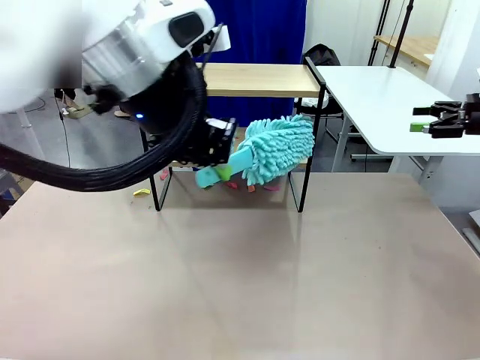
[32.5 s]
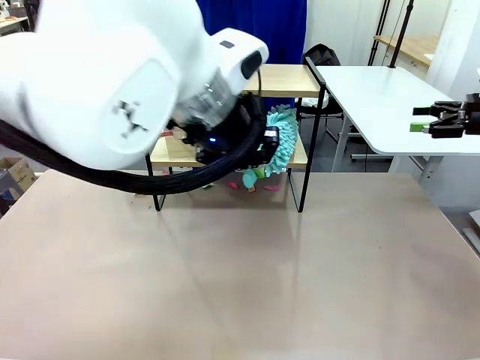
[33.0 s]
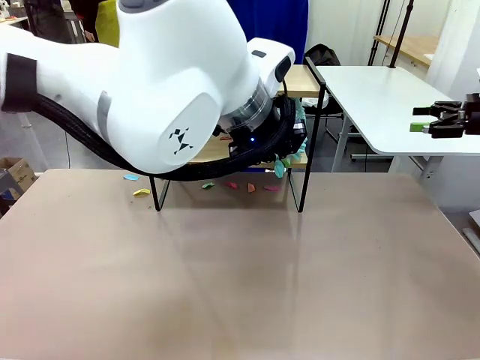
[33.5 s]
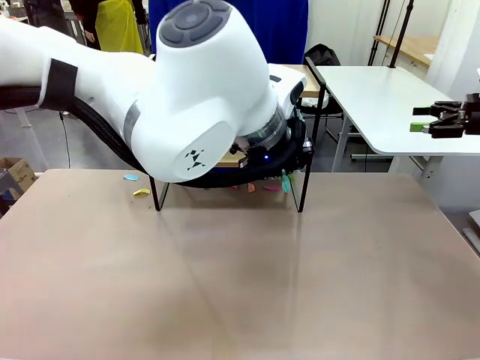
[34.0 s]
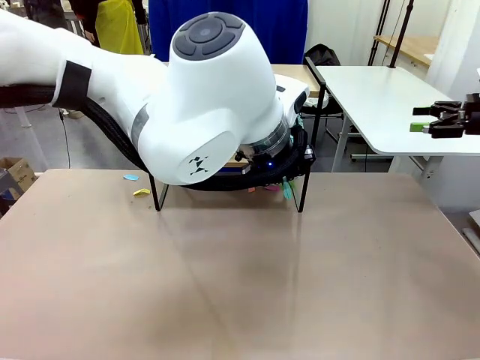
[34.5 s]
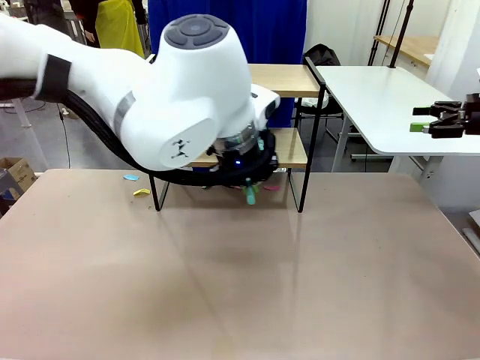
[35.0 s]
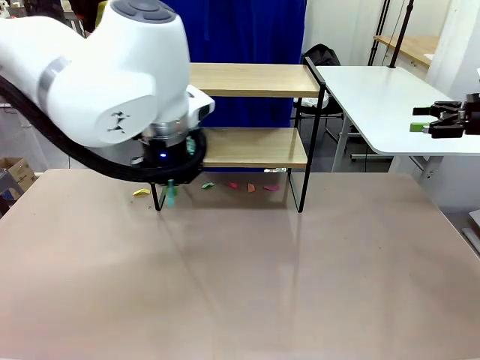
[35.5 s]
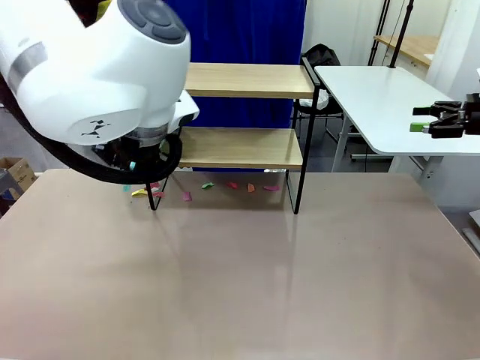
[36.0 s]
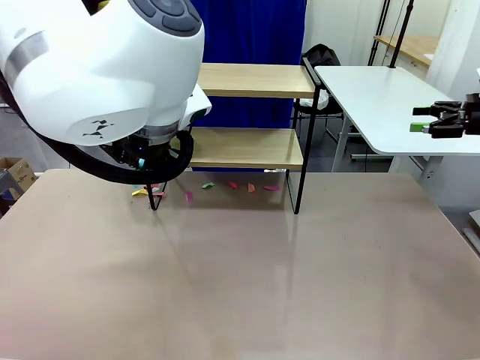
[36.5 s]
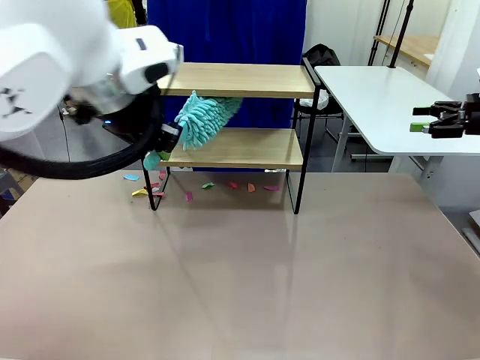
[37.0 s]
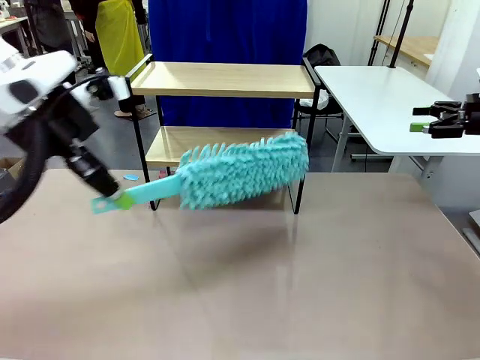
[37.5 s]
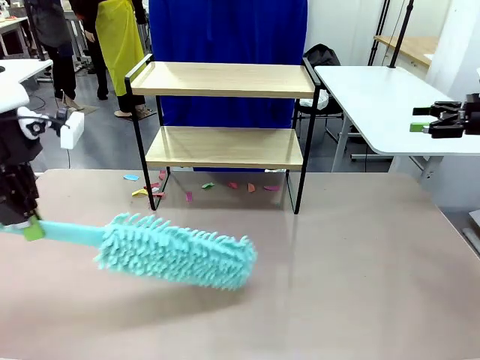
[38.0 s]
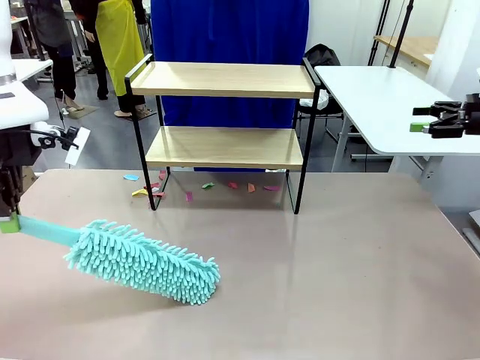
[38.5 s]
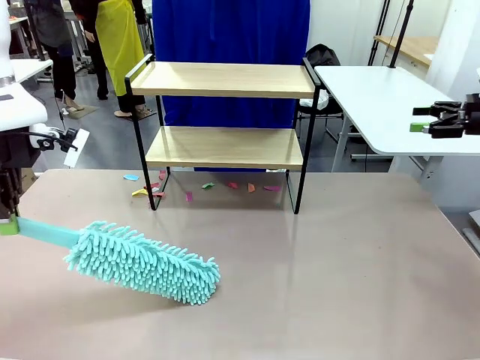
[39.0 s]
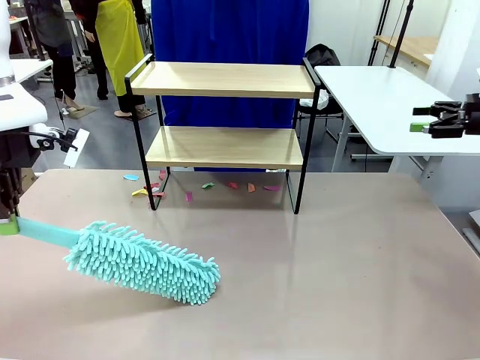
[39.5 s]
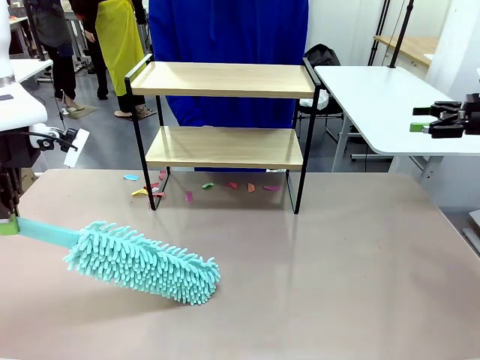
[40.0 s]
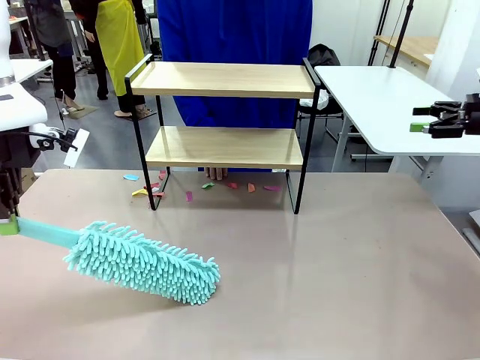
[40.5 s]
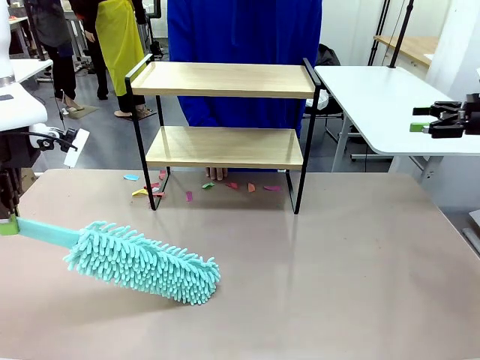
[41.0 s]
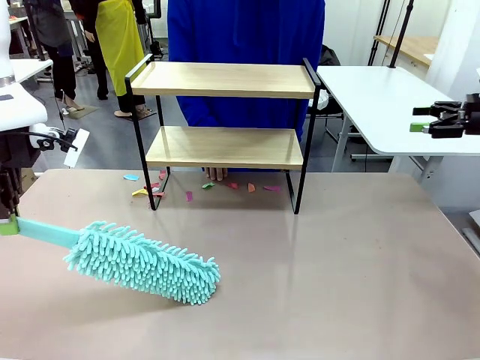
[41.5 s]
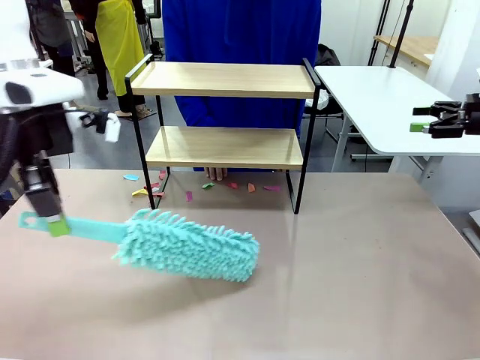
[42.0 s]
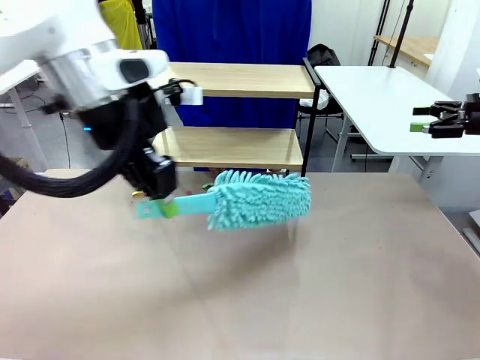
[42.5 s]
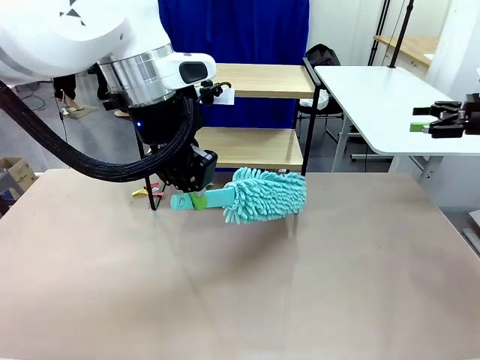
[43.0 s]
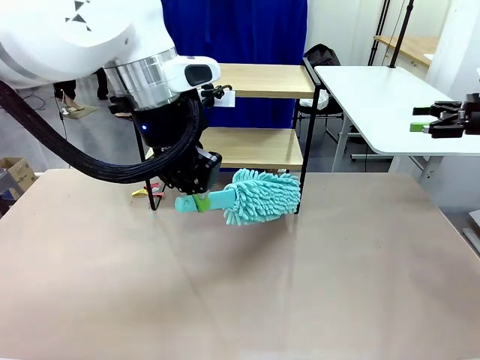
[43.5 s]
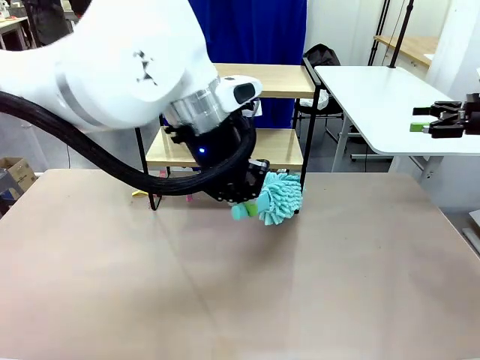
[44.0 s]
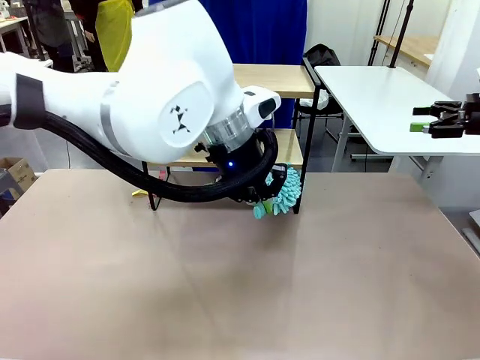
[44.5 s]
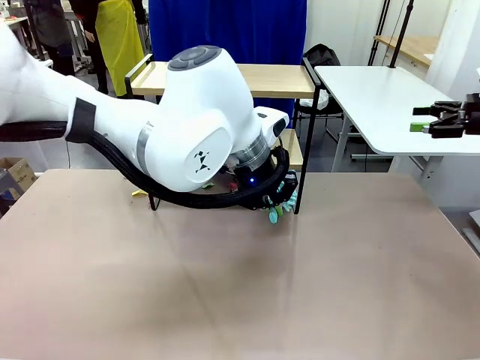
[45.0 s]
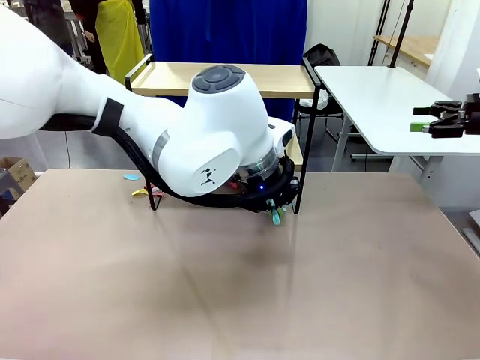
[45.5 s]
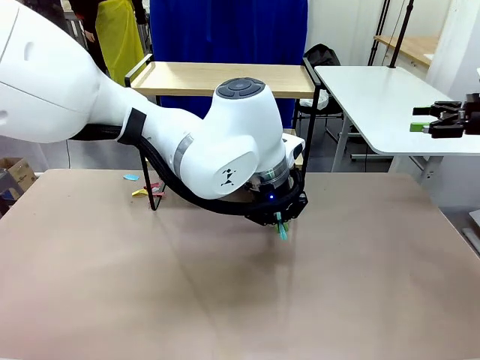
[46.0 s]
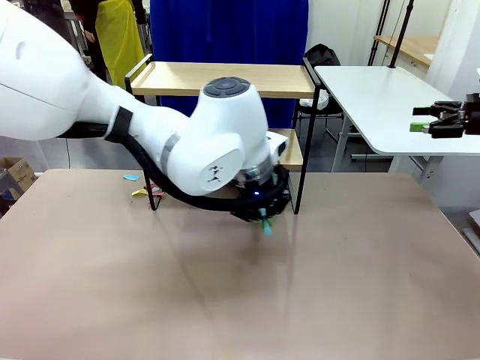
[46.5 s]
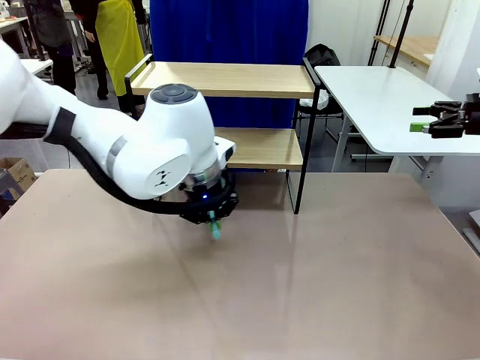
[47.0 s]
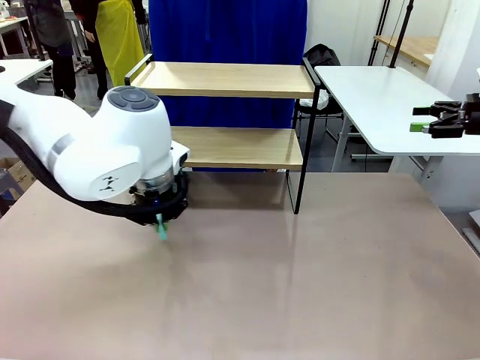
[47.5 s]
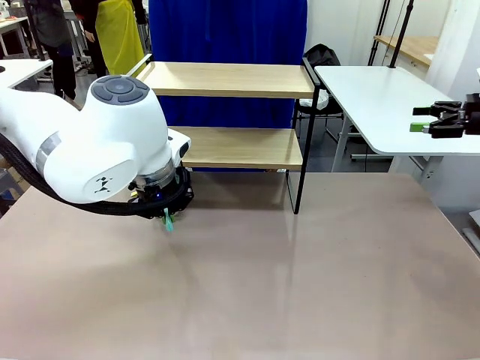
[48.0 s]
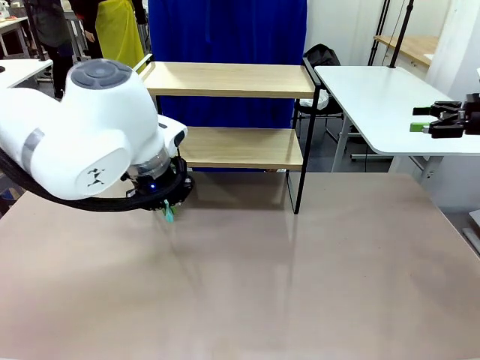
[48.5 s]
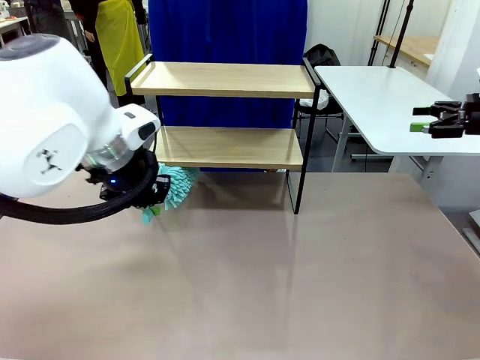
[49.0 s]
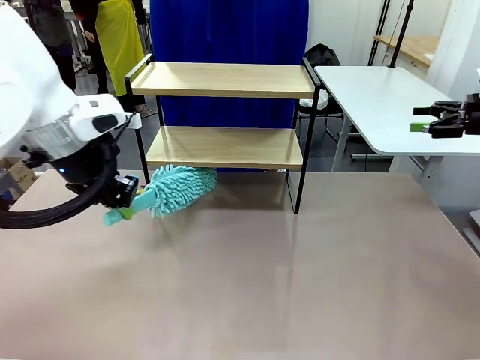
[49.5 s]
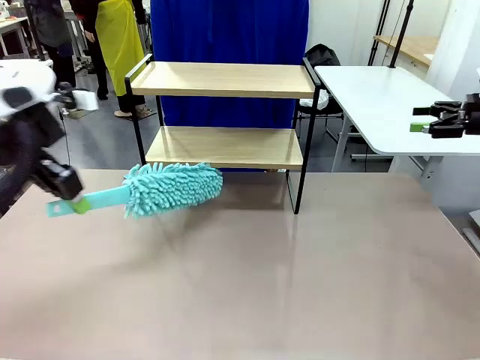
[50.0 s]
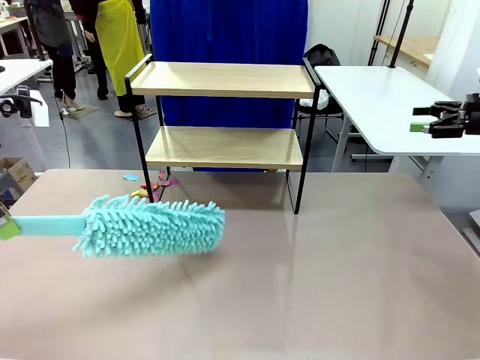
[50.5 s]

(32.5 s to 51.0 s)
Task: Clean the shelf.
Robot: Clean the specific section of the Shelf indicated by the human with the Duster.
Person: Point a remaining section of the Shelf.

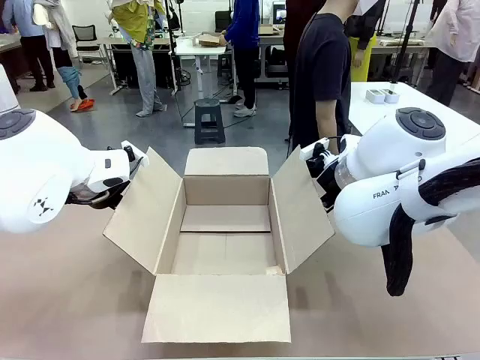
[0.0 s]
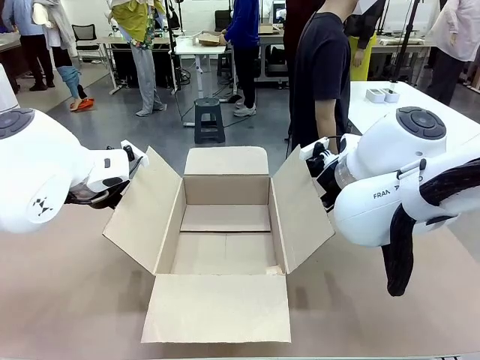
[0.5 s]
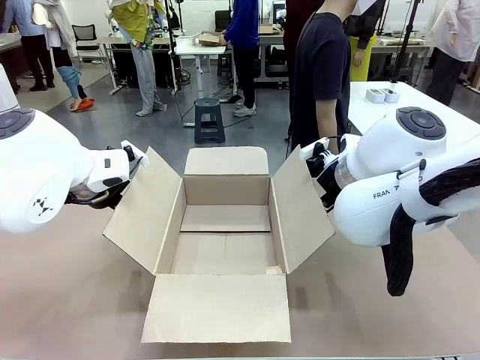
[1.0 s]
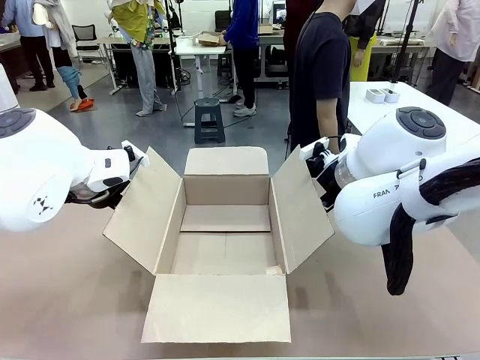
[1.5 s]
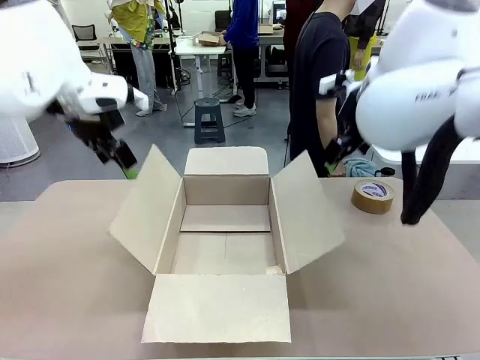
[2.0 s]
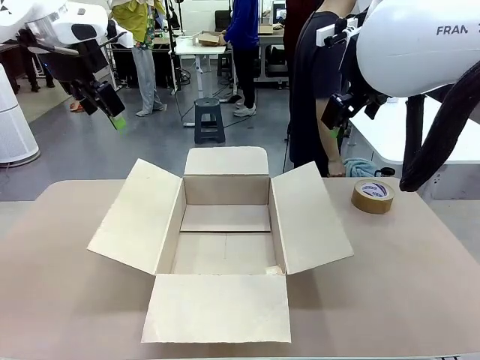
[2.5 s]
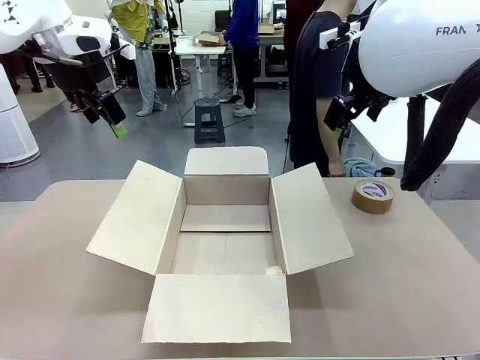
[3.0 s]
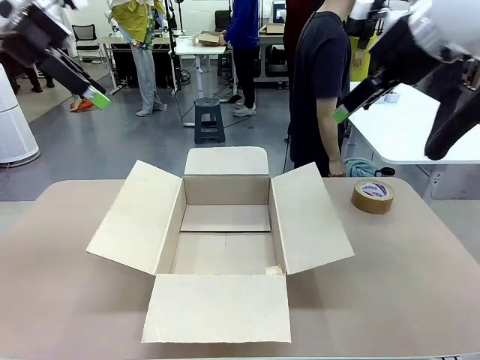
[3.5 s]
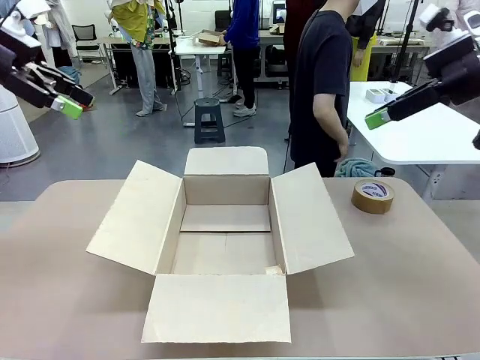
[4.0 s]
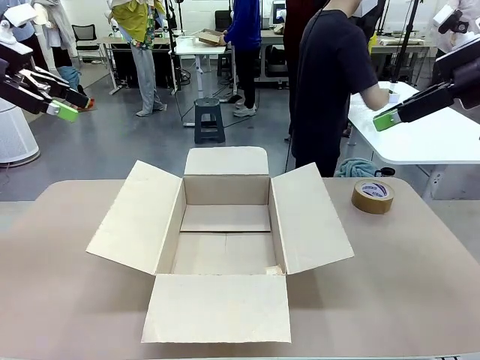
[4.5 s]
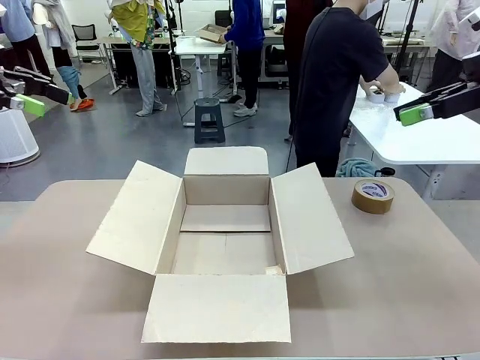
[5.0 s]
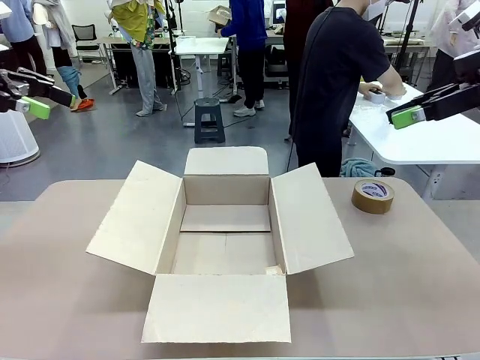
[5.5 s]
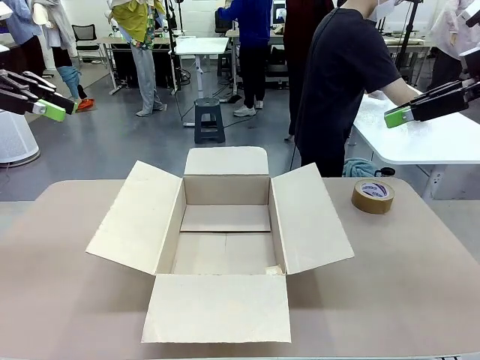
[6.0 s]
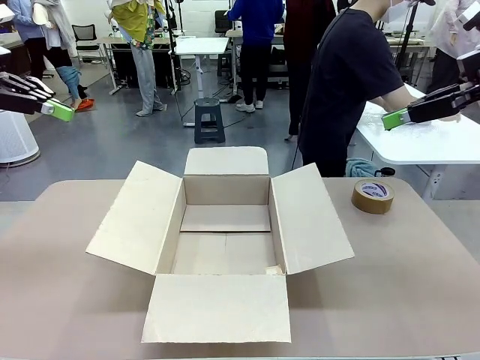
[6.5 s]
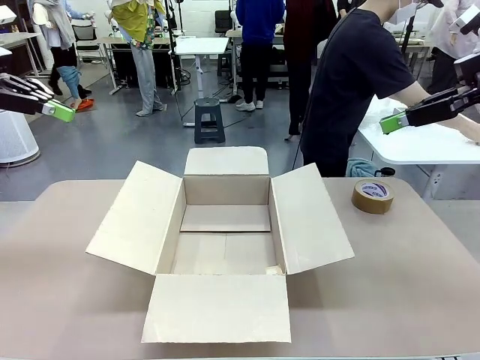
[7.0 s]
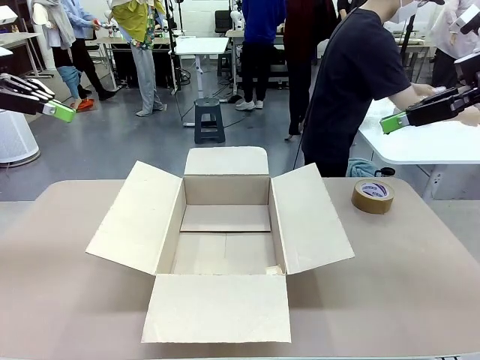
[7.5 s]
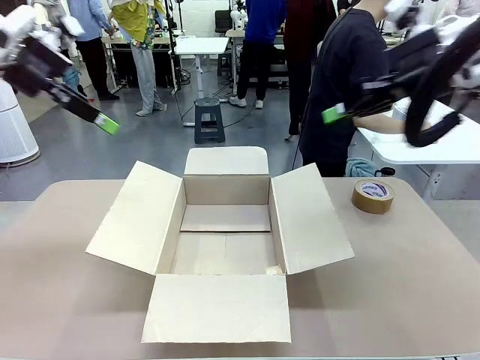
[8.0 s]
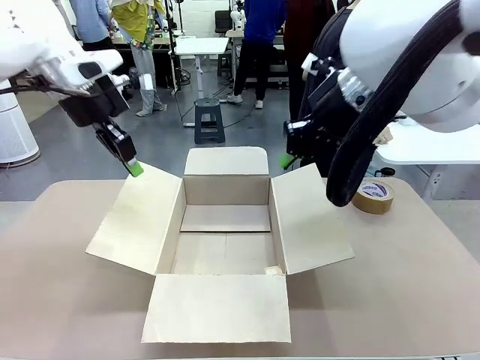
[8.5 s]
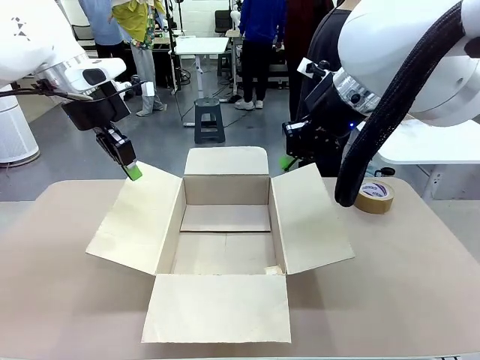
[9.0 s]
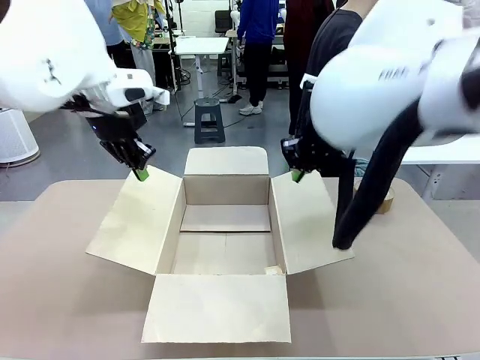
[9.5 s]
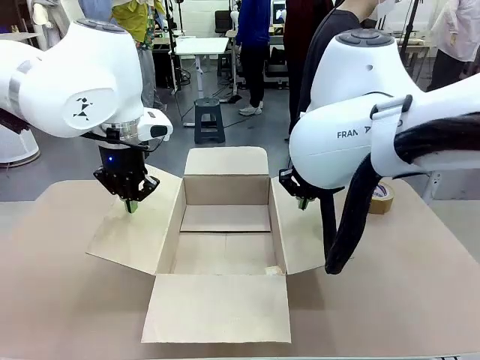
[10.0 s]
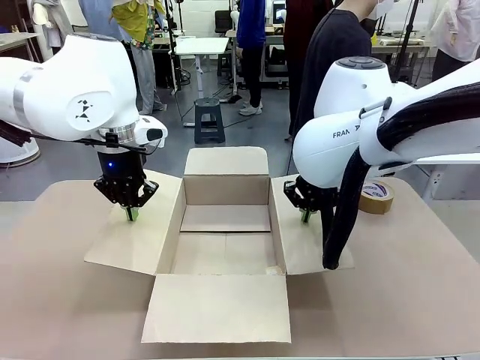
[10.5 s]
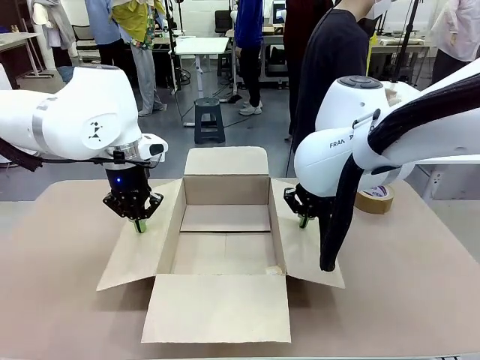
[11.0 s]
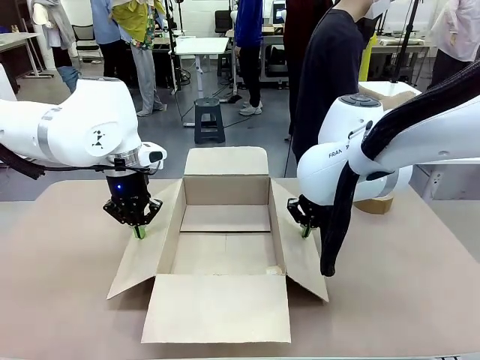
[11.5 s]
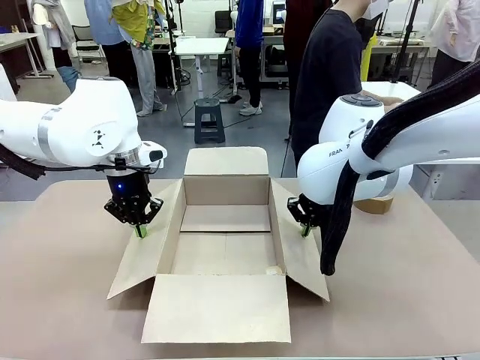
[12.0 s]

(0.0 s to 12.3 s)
Task: Wrap the clocks to prevent damage.
Robot: Open the side flaps of the Package Box.
Person: Wrap the two Digital clocks with Bubble Wrap.
